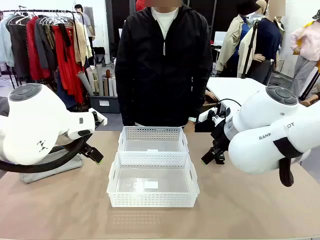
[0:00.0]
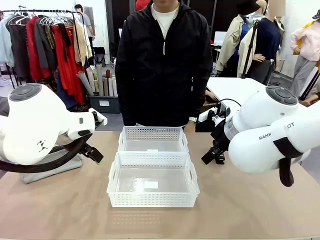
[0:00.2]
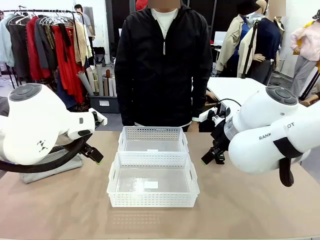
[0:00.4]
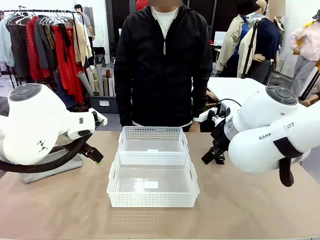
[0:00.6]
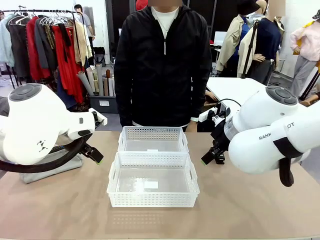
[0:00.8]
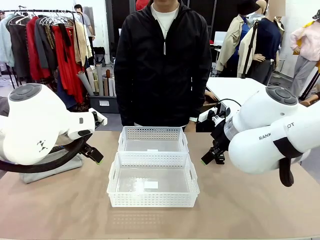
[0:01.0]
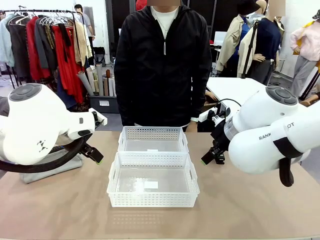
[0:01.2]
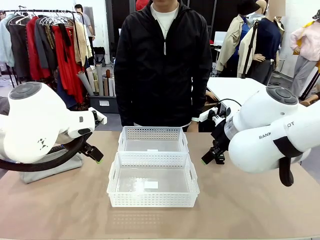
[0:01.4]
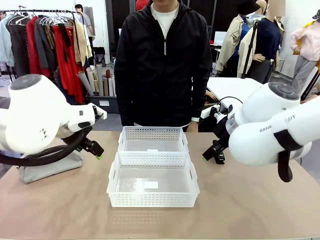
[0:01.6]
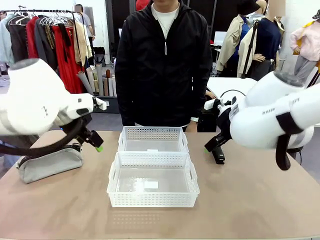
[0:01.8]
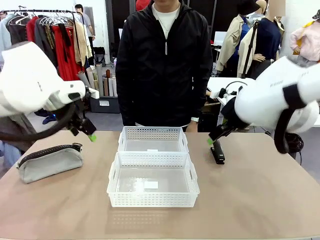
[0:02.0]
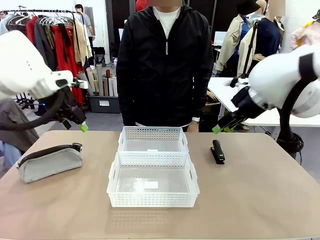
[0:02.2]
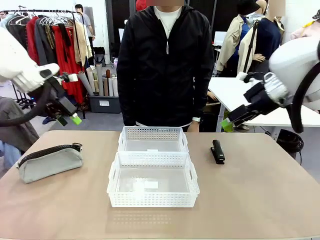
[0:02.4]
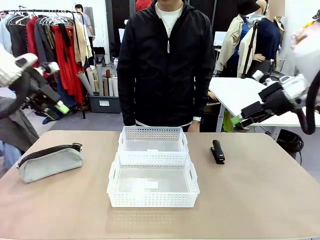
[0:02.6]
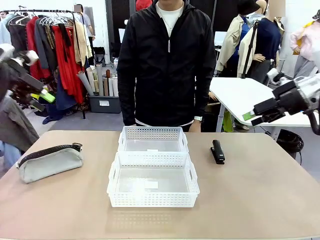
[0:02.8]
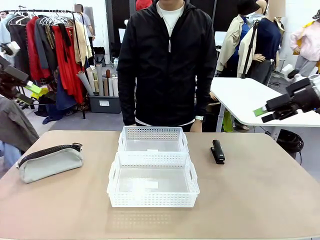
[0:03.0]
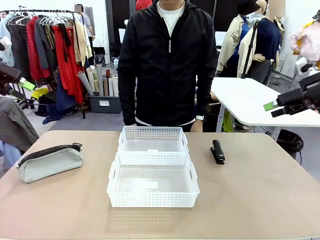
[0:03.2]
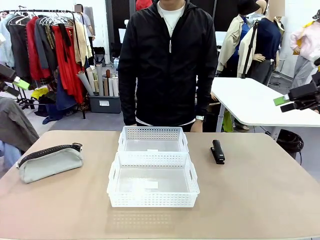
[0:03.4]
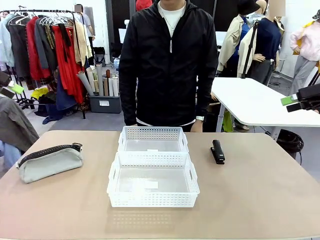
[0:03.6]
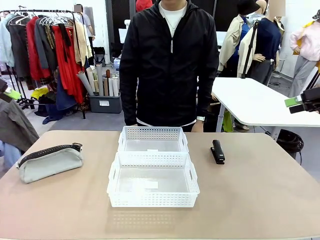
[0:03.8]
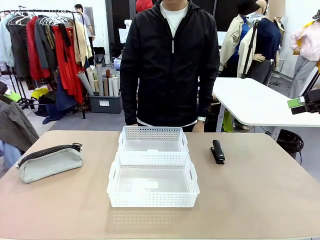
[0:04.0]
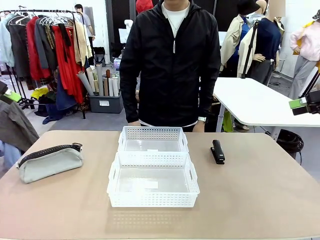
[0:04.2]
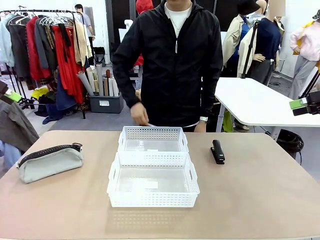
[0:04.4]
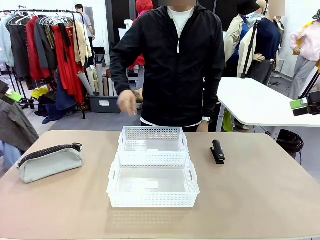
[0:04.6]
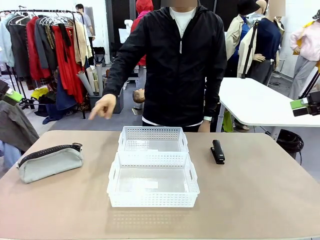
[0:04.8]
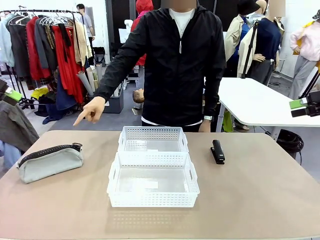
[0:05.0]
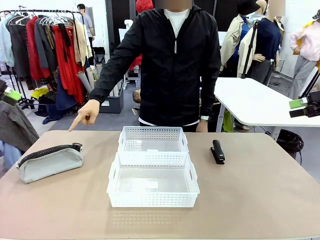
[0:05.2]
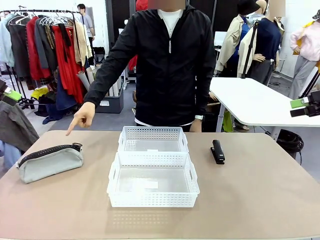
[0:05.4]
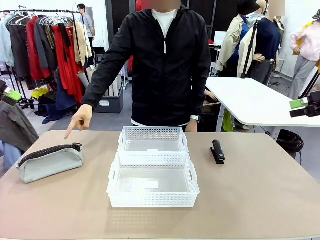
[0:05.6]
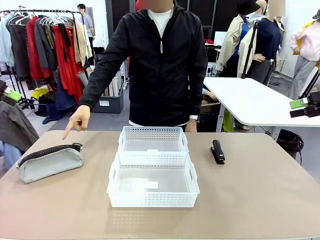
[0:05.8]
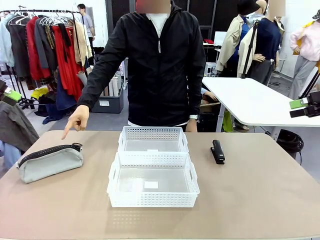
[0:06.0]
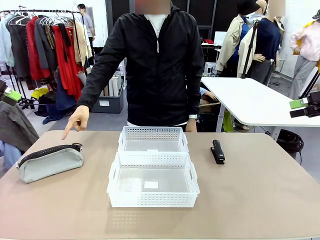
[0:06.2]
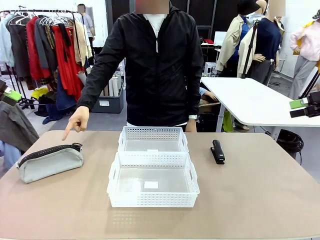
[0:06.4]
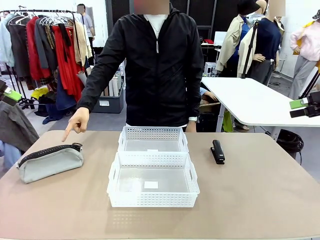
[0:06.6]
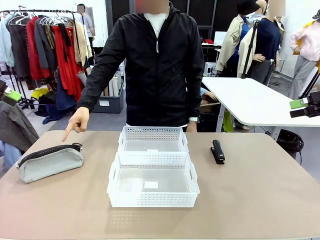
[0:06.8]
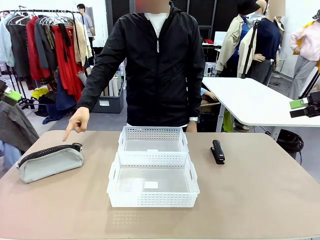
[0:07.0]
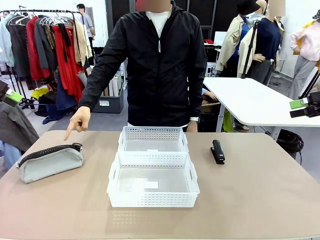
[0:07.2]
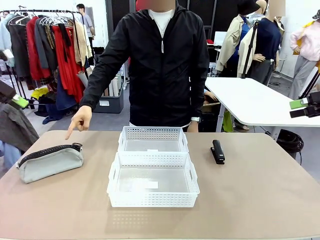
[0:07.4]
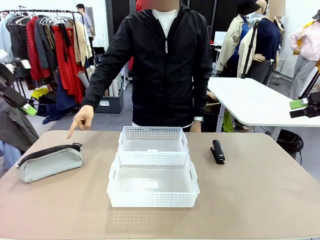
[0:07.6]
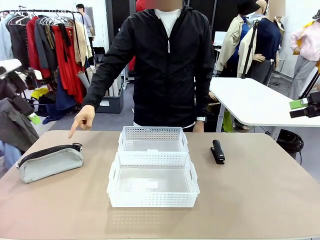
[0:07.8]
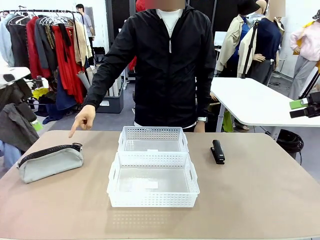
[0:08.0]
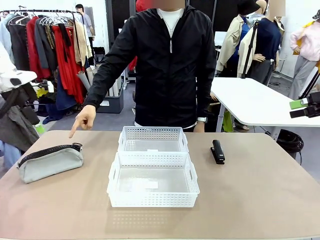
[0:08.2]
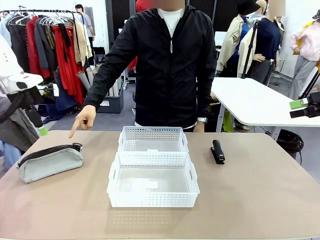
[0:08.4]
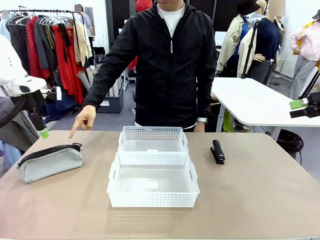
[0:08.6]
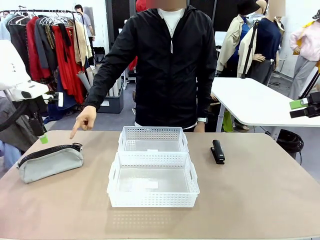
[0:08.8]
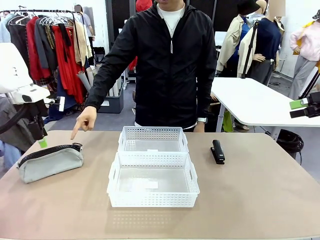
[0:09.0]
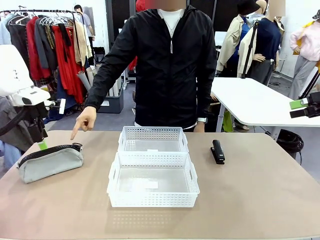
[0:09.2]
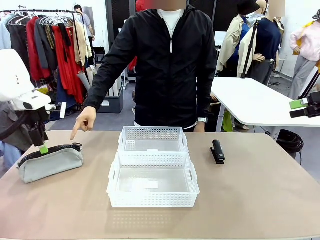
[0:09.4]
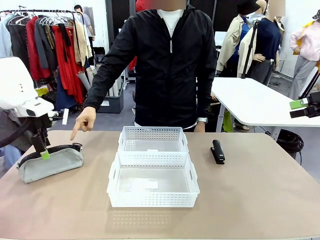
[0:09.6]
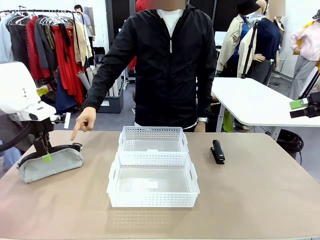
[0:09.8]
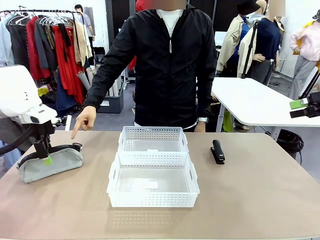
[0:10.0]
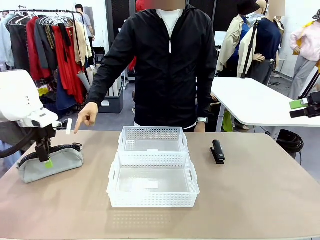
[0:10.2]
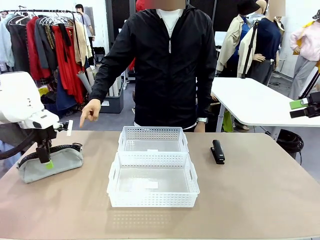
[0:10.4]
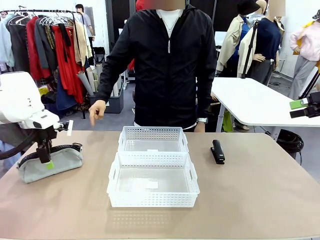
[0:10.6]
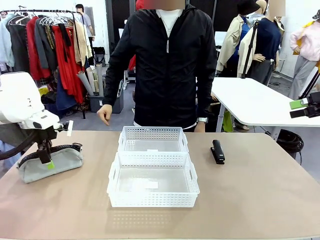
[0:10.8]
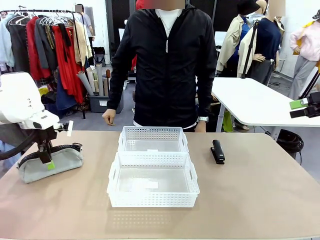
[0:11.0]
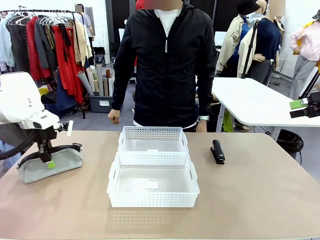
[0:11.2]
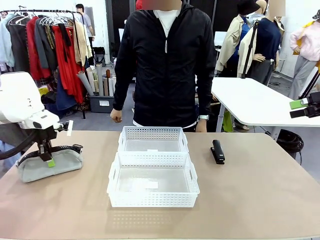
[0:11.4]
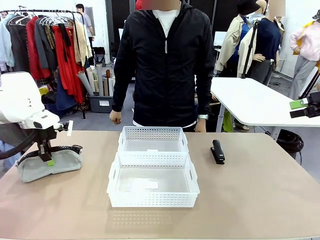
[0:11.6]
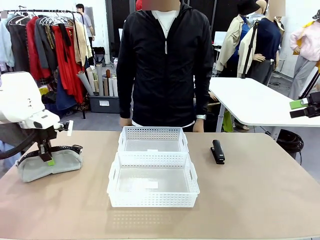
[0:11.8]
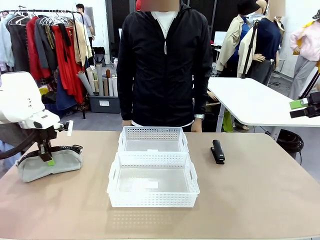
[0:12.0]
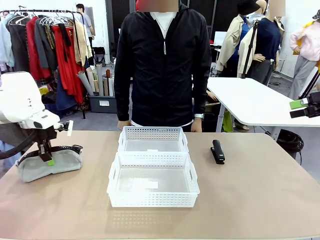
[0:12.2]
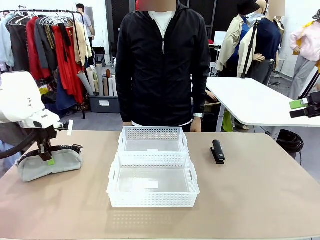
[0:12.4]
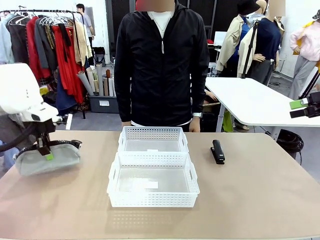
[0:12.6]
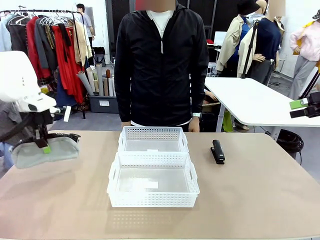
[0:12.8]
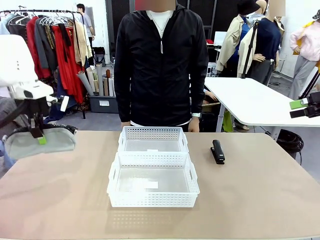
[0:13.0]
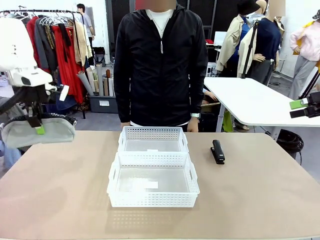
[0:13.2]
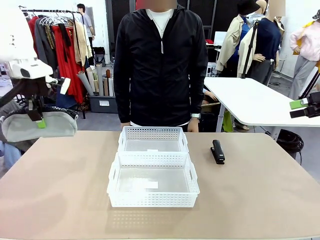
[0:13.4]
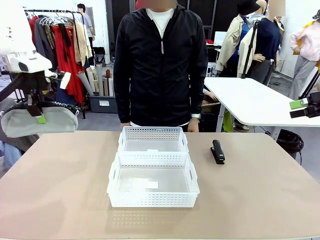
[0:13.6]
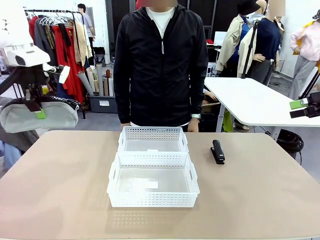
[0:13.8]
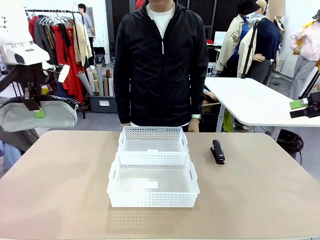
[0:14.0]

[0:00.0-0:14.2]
Task: Distribute items into two baskets.
Robot: Pick up the Pencil pouch that the person points to.
Person: Points to the pencil case. Points between the two organizing baskets and instructs the robot to move the pencil case.

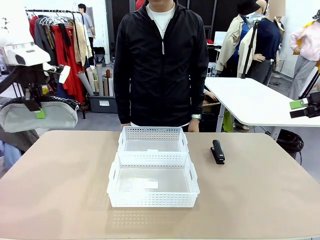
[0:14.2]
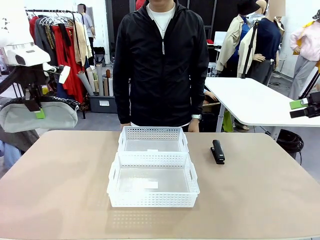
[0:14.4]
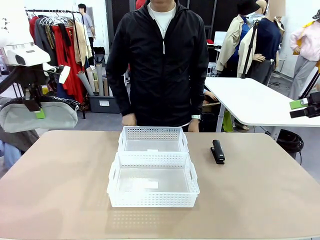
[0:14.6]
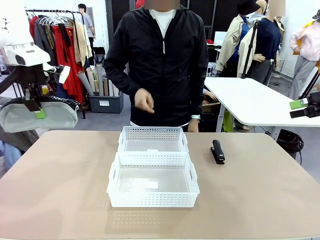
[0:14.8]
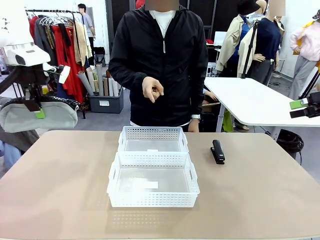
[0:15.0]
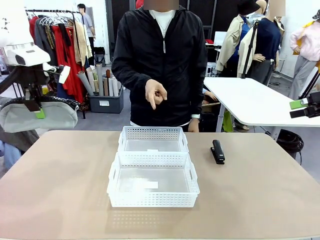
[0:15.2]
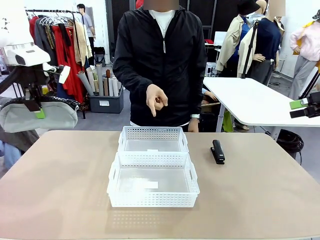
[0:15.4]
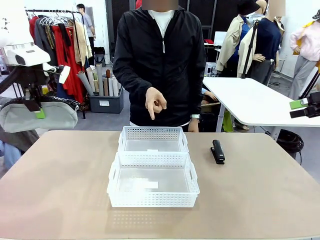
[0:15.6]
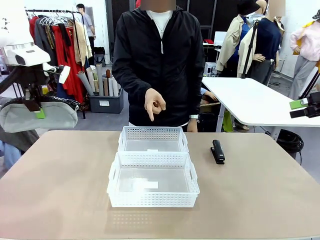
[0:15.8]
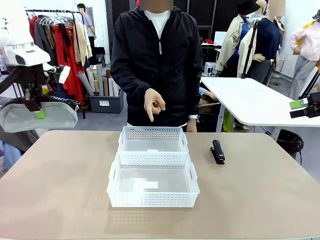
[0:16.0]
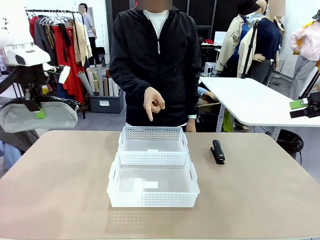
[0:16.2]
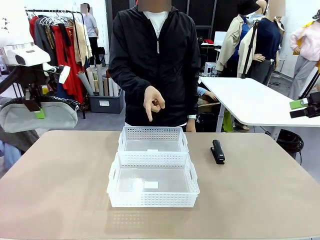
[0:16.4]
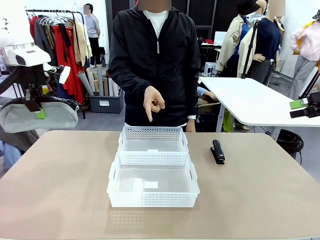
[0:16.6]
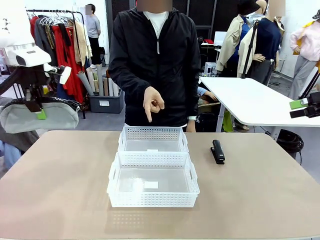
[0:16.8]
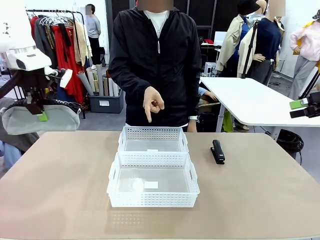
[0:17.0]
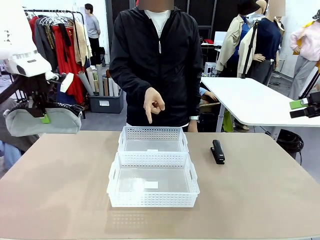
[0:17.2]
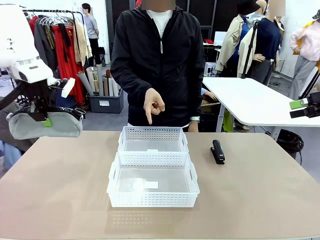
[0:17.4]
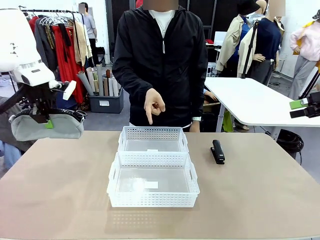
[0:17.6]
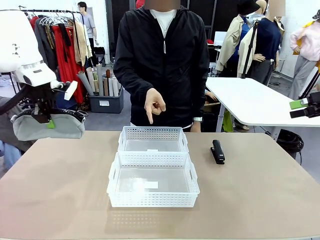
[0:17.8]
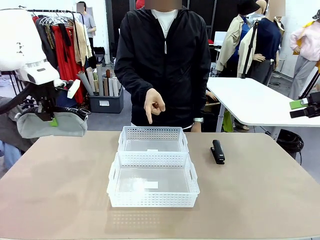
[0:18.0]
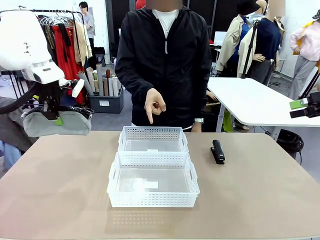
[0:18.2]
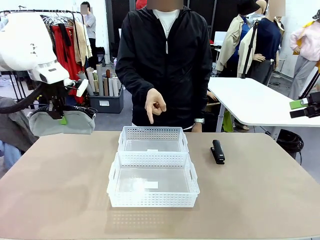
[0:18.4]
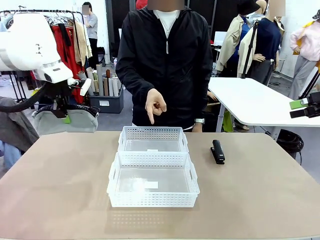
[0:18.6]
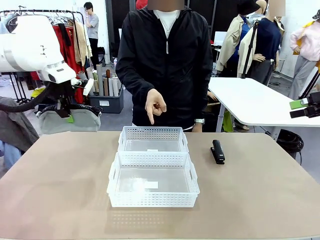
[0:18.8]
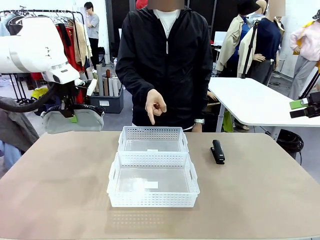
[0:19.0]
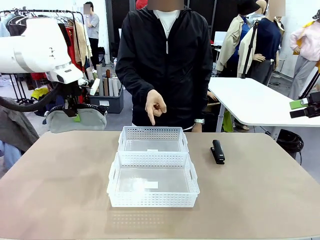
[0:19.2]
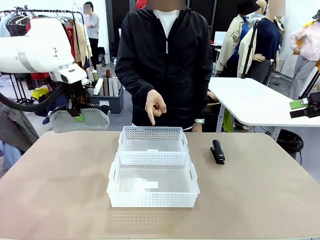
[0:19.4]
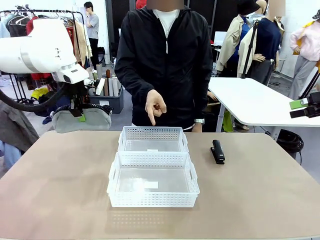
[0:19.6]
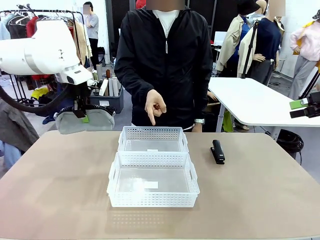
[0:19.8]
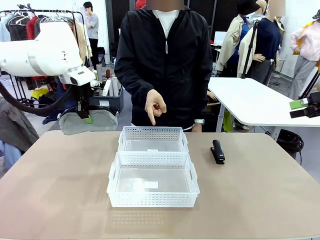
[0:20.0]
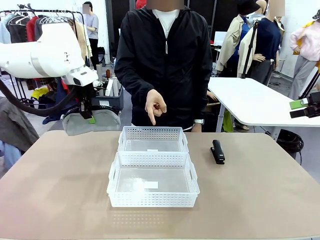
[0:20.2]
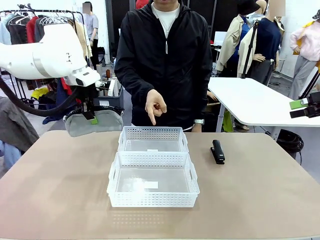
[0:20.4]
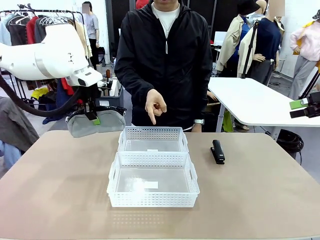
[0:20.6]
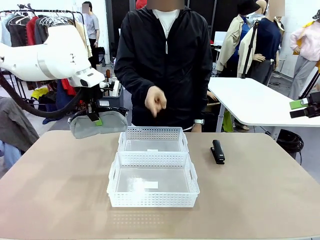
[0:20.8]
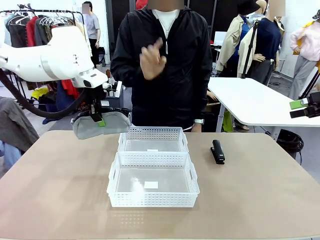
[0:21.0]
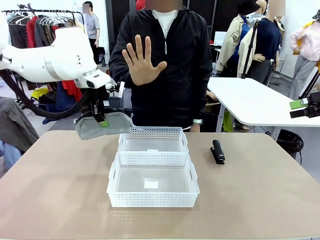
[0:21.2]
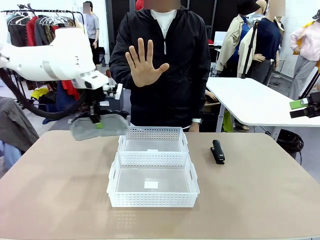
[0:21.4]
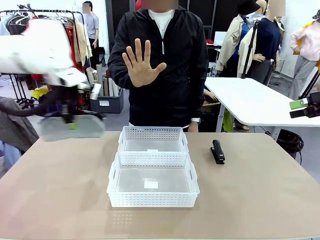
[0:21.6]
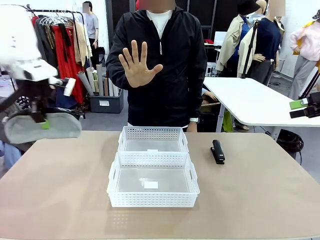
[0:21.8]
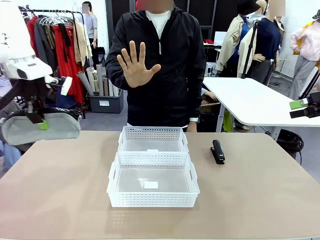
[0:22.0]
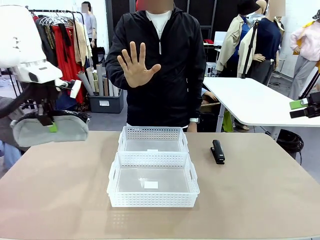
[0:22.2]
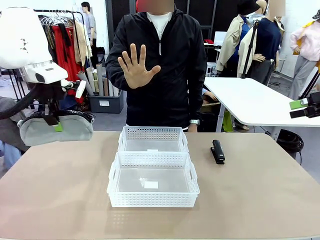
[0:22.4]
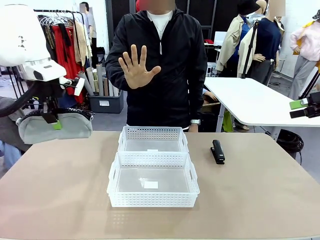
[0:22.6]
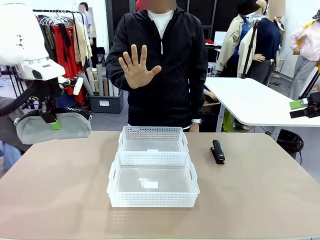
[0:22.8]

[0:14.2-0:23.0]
Robot: Move the picked Pencil pouch towards the Organizing basket indicated by the person, stopping as directed.
Person: Sends a stop gesture before the robot places the pencil case into the basket.
